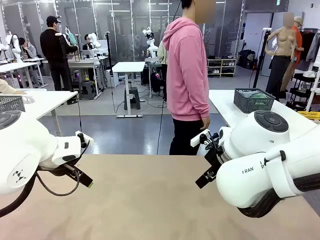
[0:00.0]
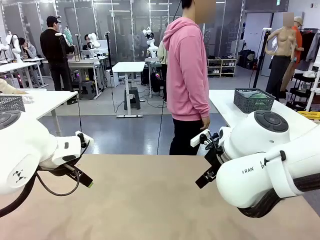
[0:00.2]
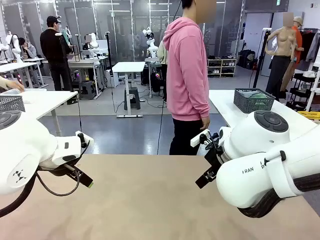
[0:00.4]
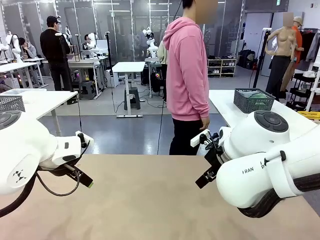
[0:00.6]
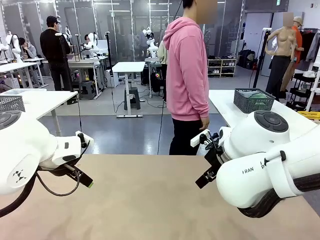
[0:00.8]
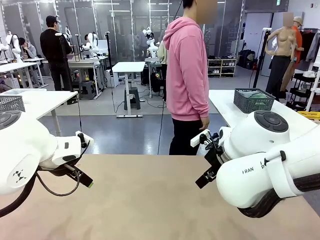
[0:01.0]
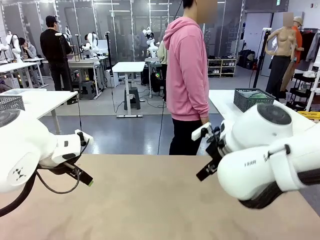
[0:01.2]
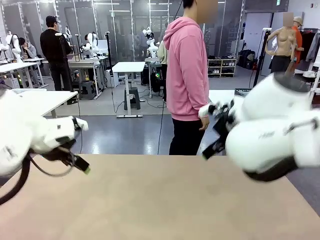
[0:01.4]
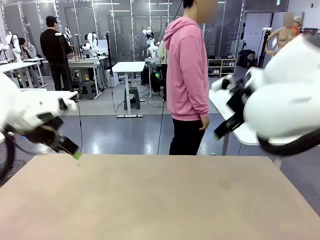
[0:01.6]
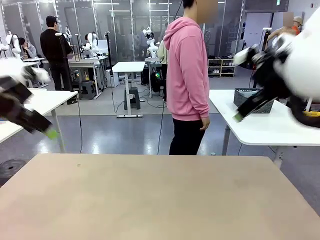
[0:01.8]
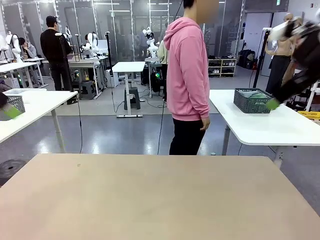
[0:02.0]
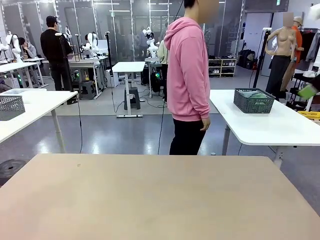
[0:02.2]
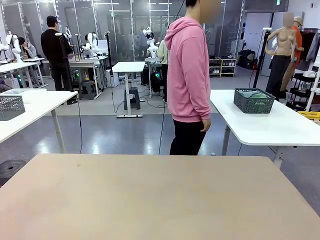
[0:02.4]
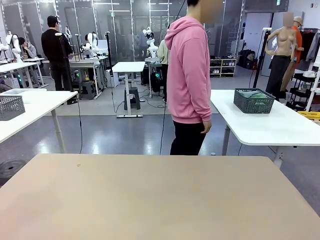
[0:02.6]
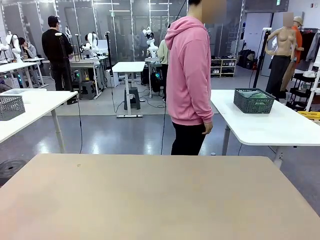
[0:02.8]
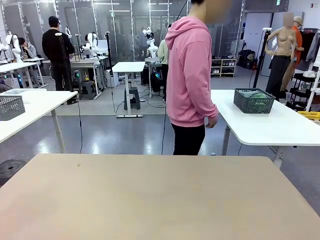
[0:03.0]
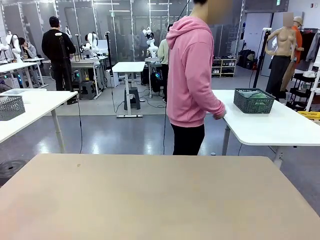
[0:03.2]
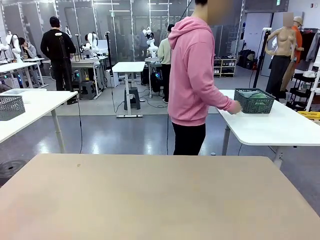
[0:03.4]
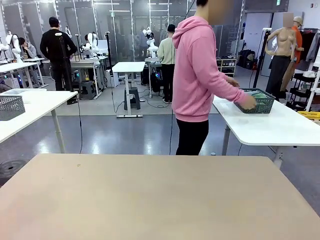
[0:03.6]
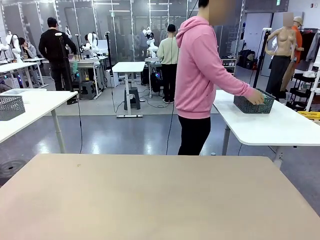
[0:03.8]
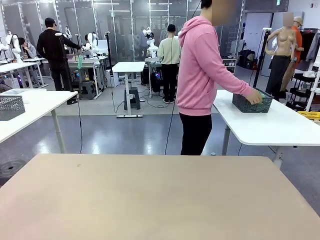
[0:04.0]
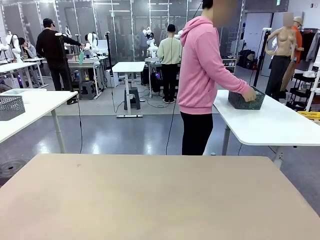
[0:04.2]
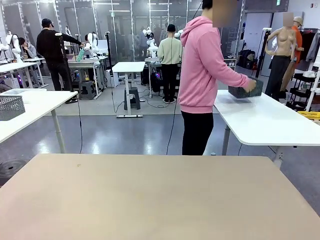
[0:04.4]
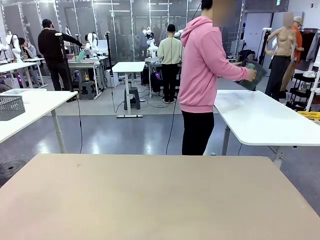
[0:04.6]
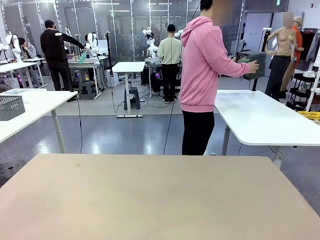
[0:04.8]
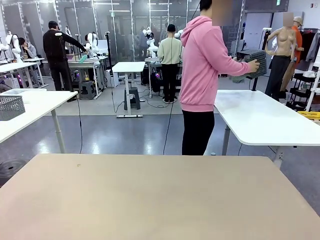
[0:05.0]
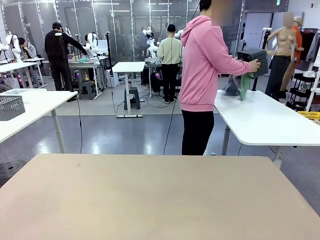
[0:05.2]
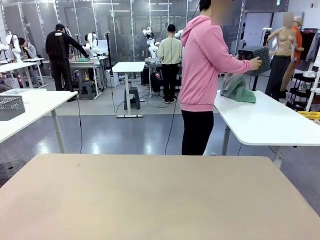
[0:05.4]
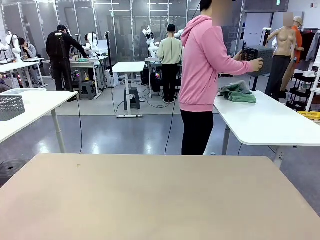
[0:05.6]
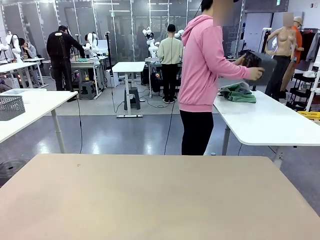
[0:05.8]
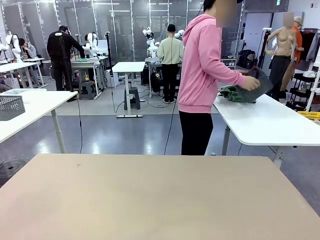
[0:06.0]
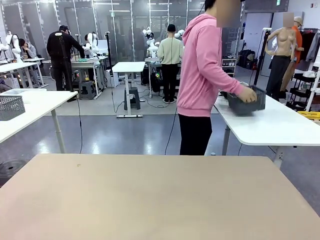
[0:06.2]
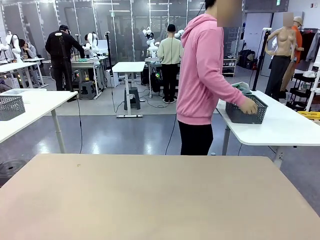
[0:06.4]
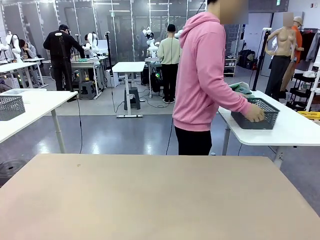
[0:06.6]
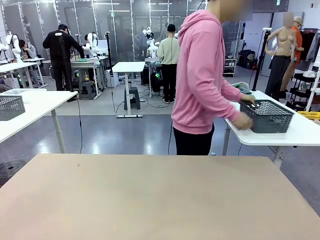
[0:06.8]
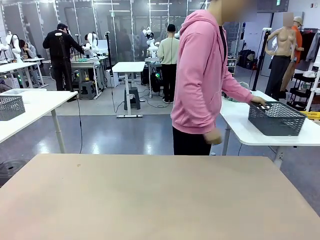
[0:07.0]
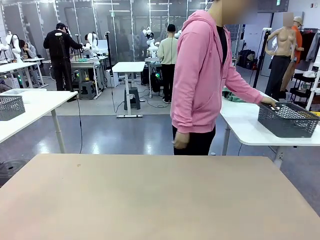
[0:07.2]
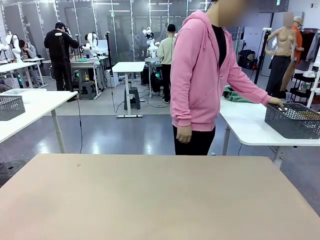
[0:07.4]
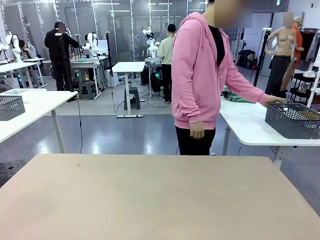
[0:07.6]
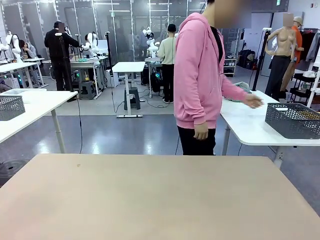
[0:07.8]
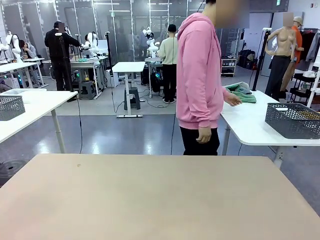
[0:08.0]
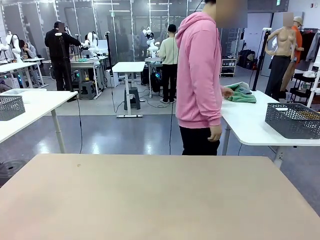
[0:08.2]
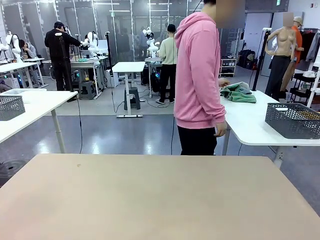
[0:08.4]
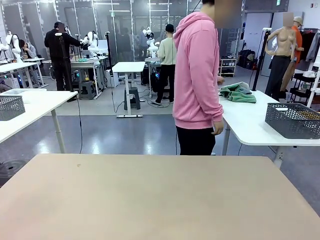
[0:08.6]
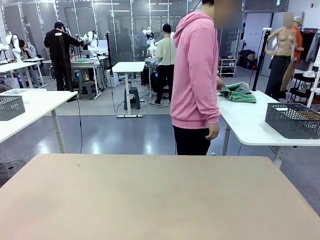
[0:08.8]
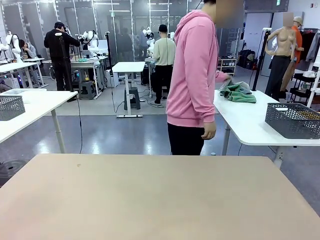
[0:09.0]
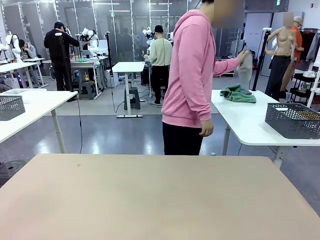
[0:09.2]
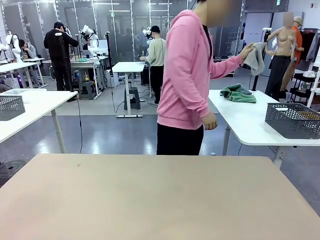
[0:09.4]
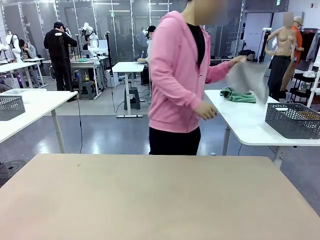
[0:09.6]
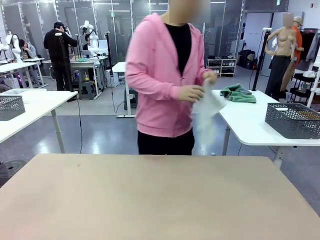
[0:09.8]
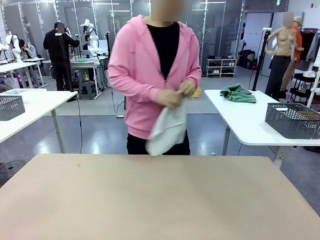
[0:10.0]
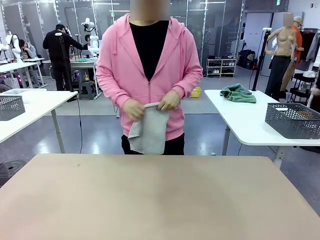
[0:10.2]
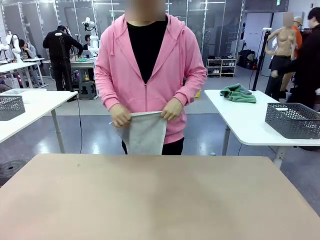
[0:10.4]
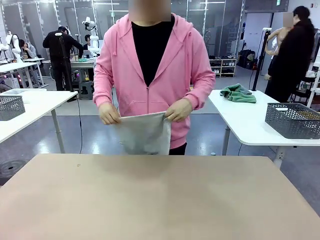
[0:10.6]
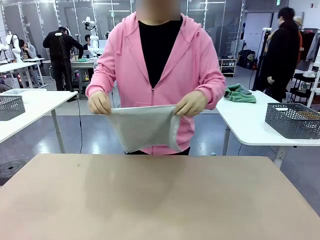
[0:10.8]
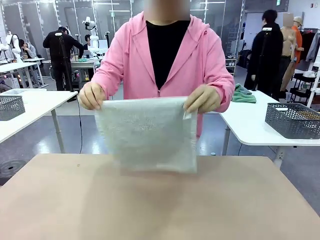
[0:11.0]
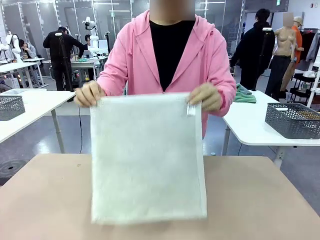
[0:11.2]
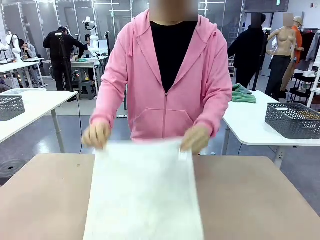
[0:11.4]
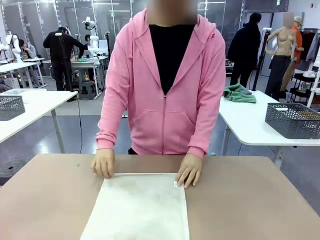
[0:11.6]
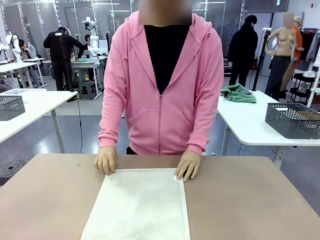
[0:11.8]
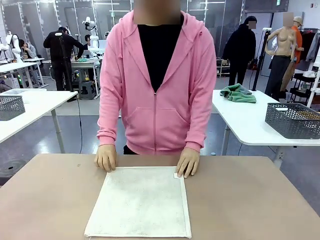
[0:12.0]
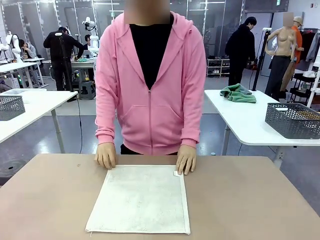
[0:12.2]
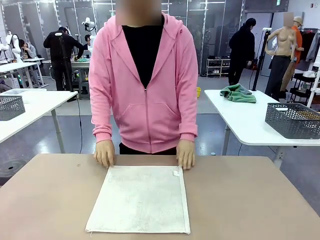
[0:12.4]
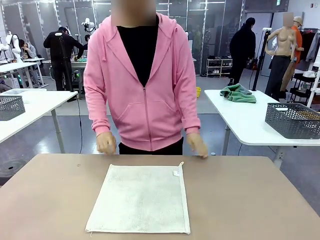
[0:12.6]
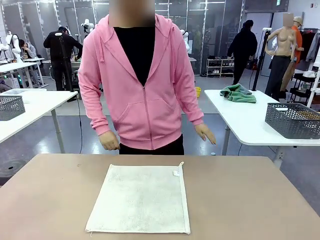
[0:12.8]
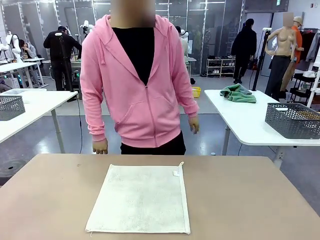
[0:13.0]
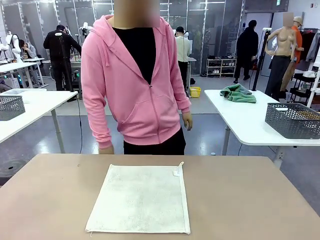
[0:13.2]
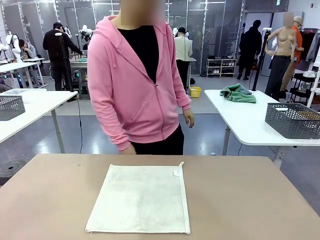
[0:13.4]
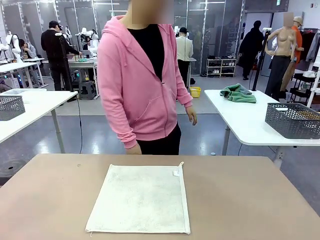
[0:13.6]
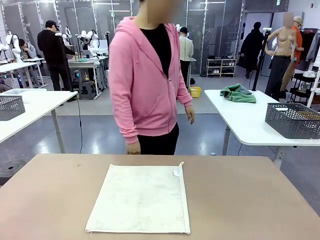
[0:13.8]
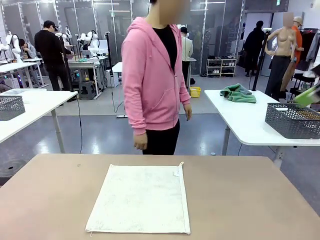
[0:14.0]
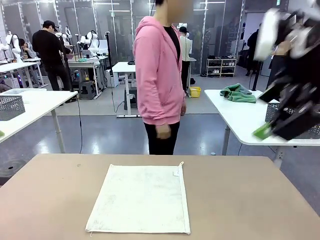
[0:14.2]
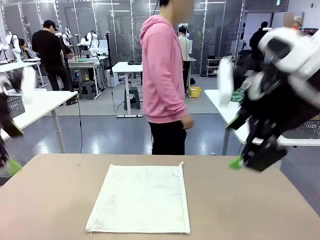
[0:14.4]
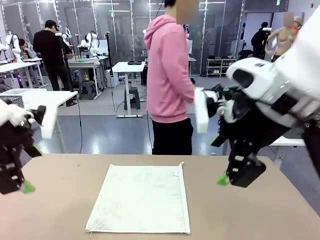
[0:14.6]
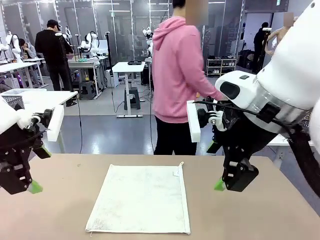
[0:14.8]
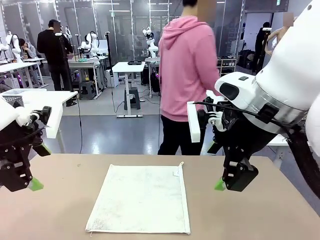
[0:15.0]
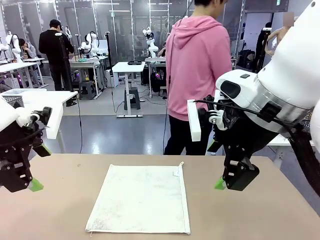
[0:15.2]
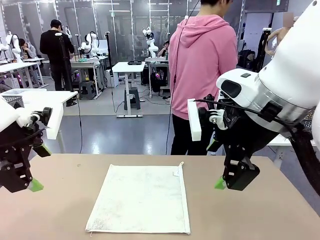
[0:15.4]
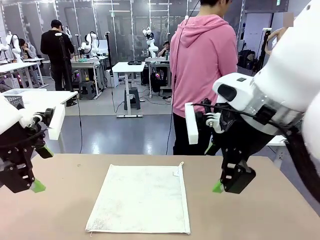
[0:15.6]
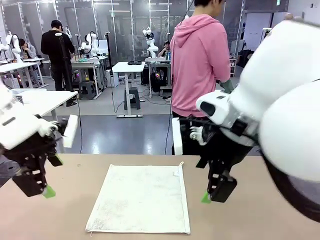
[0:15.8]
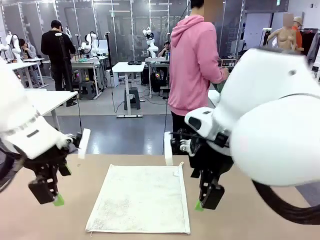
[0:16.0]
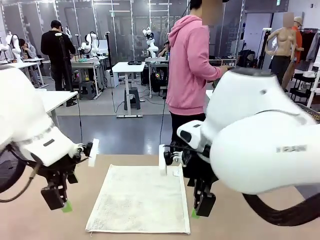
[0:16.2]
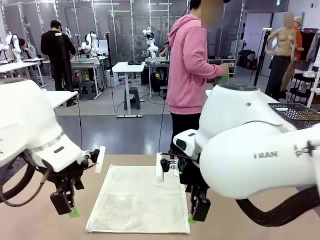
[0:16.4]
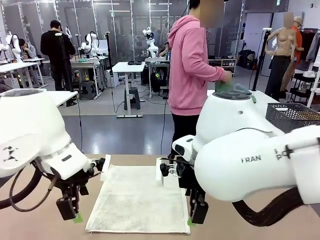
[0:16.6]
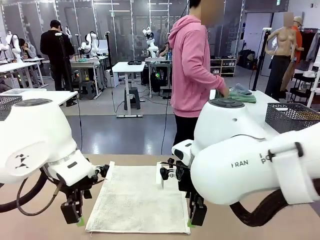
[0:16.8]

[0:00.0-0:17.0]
Task: Fold the towels and place them in the basket.
Robot: When a person lays out a Towel with hook on the table, fold it in half twice.
Person: Pick up the basket, pour the towels onto the left side of the human table, and place the basket on the right side. Pick up one towel and spread it out at the center of the robot table.
